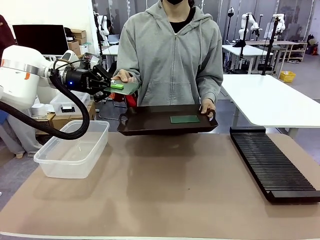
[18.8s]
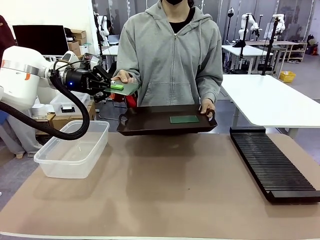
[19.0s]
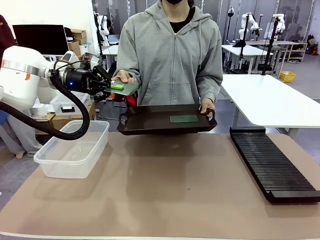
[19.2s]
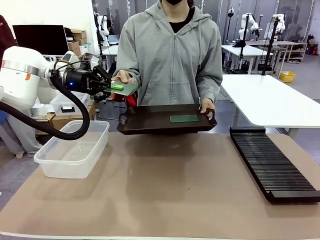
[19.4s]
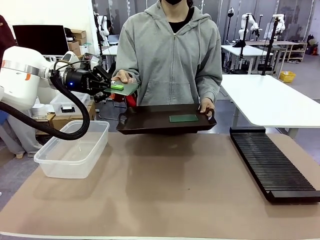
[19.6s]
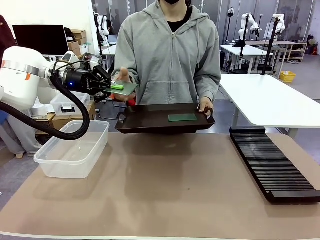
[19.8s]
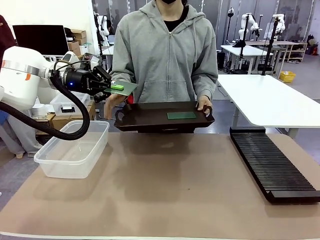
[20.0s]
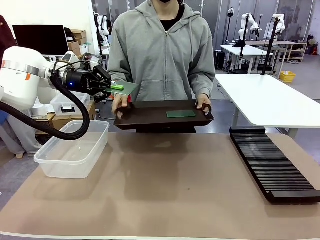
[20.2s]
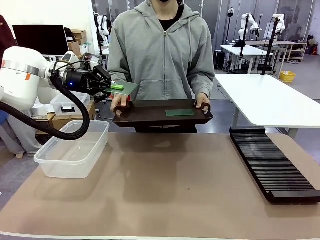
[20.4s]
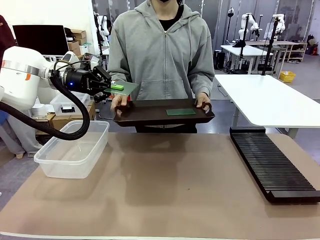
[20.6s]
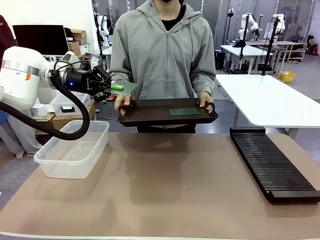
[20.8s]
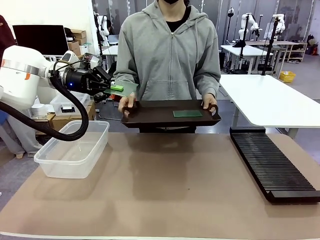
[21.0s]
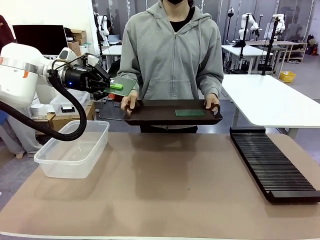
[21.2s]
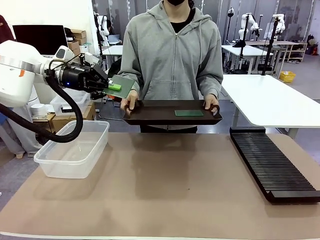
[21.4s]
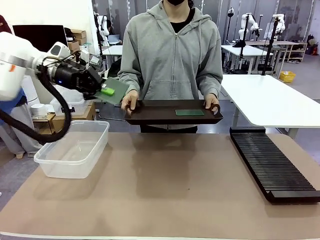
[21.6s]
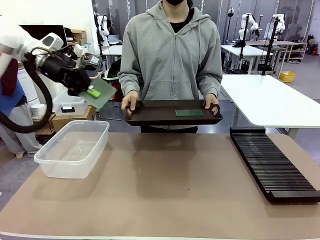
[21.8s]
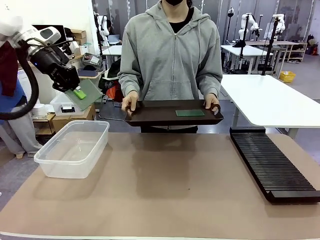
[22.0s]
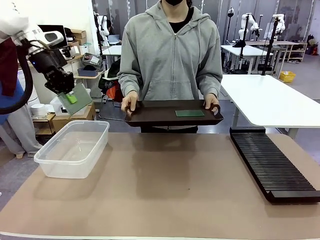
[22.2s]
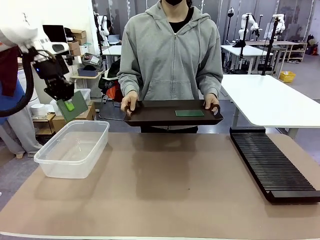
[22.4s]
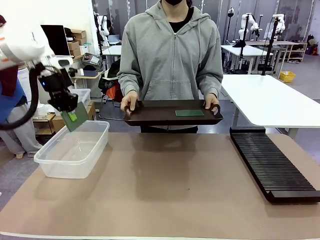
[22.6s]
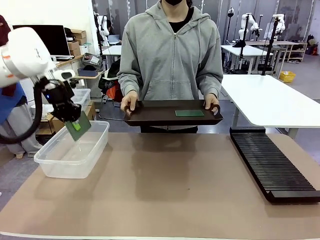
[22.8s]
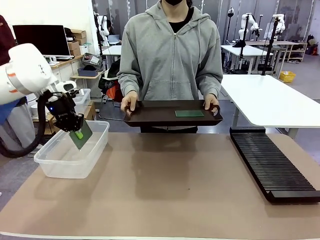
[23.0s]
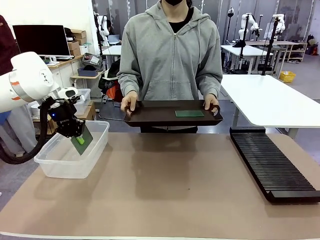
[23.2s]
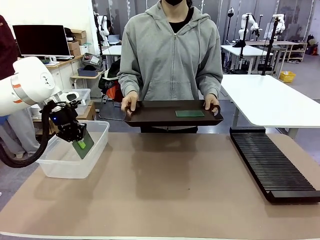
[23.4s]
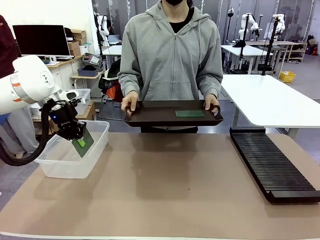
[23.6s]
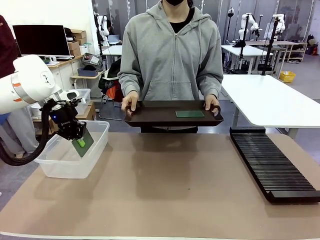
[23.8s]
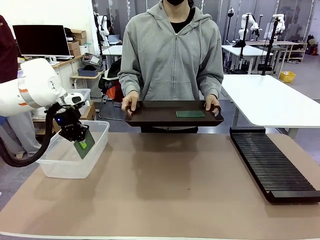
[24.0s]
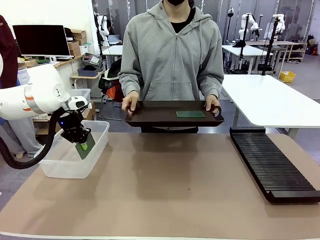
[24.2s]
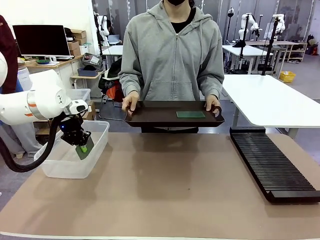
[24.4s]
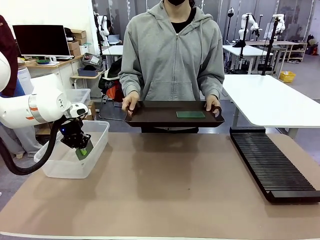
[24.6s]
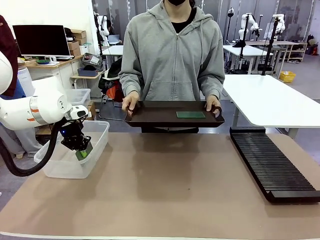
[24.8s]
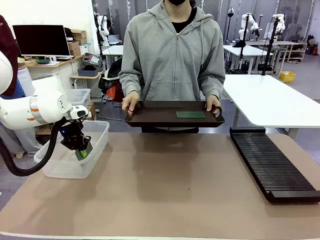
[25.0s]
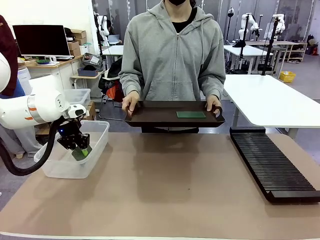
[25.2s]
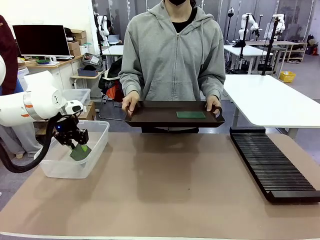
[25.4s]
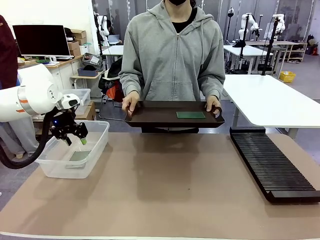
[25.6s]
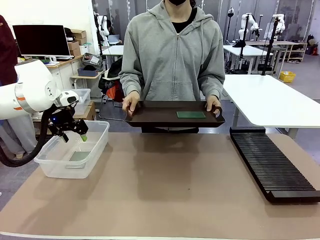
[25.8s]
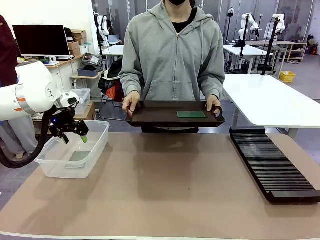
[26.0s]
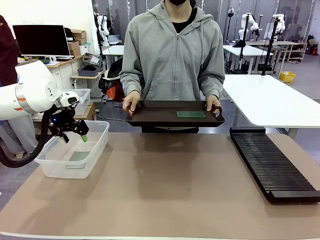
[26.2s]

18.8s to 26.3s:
Task: Sort PCBs into racks and boxes based on the side picked up.
Robot: If the short side of the Blank PCB is picked up, insert it into the PCB Rack ; if the long side is picked up, place it in the Organizing box.

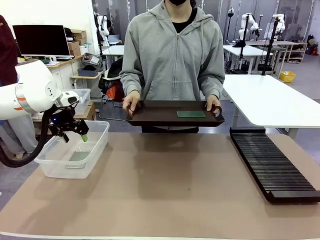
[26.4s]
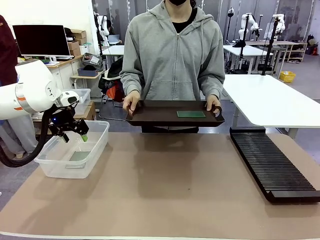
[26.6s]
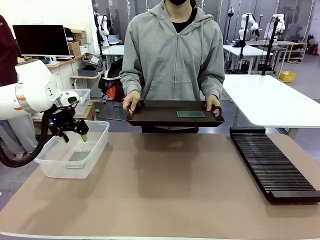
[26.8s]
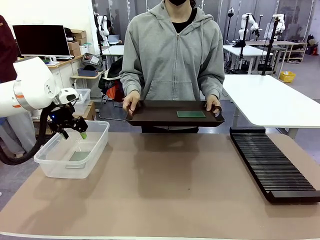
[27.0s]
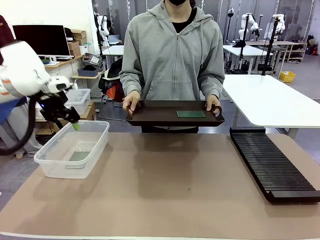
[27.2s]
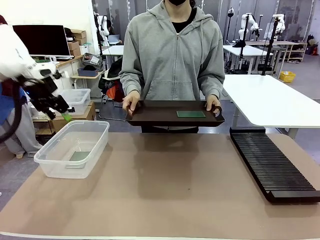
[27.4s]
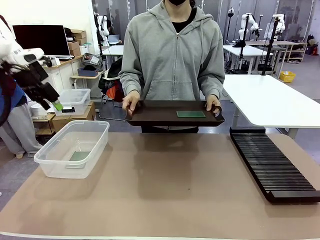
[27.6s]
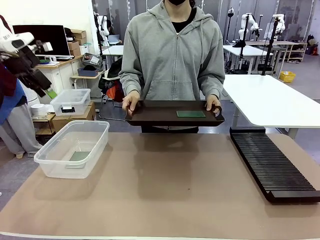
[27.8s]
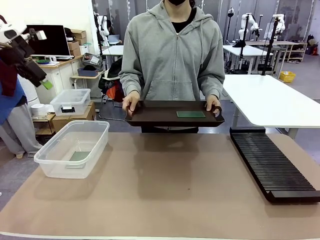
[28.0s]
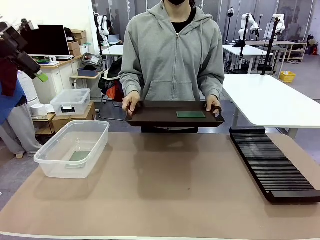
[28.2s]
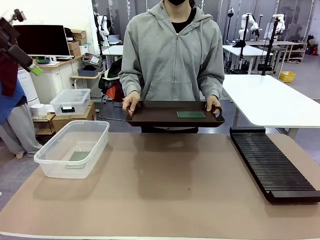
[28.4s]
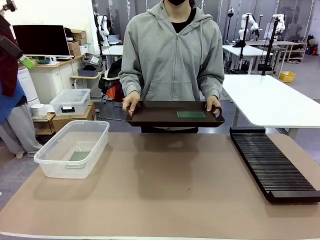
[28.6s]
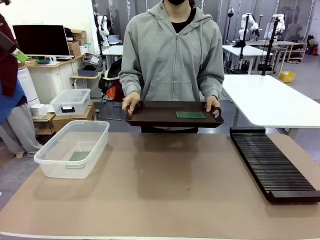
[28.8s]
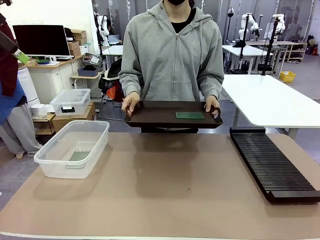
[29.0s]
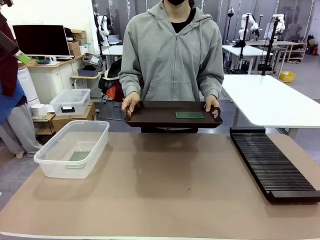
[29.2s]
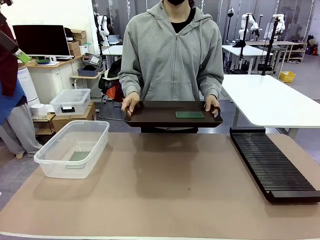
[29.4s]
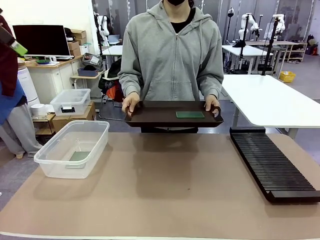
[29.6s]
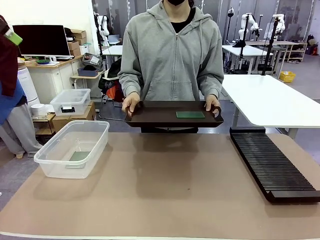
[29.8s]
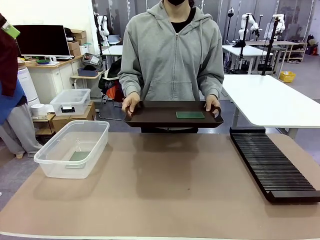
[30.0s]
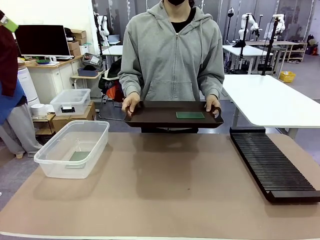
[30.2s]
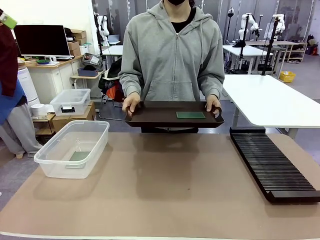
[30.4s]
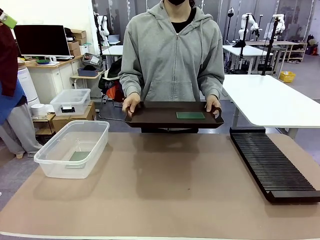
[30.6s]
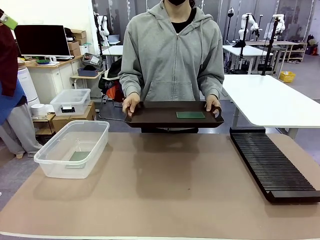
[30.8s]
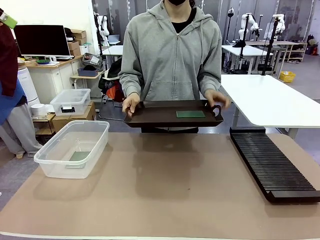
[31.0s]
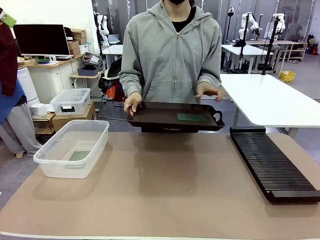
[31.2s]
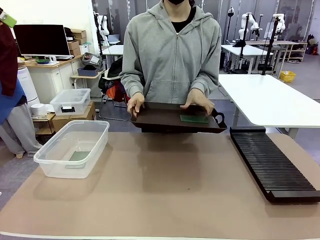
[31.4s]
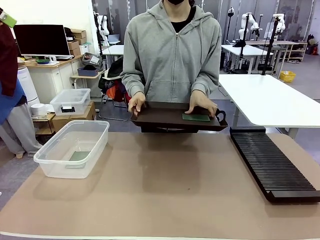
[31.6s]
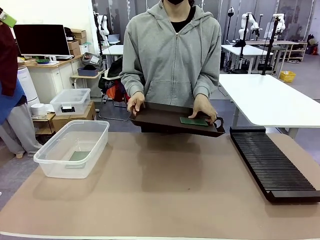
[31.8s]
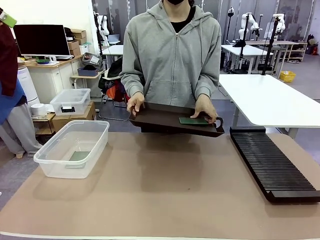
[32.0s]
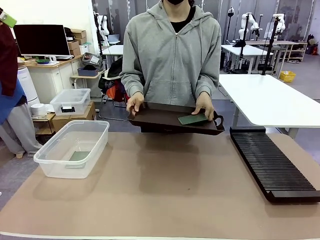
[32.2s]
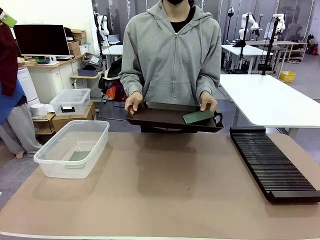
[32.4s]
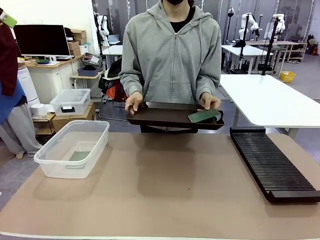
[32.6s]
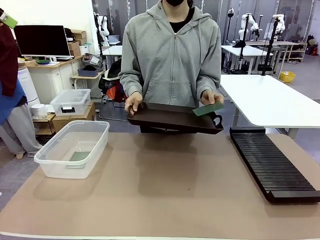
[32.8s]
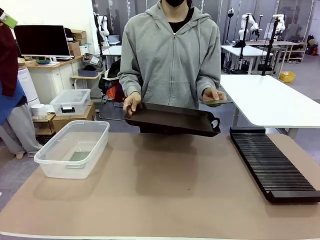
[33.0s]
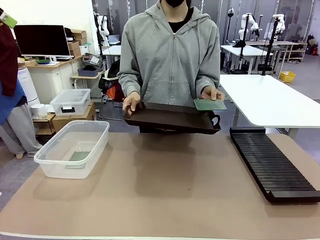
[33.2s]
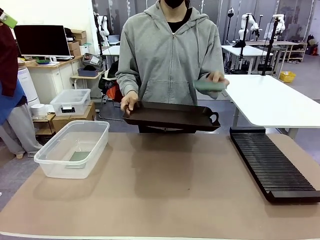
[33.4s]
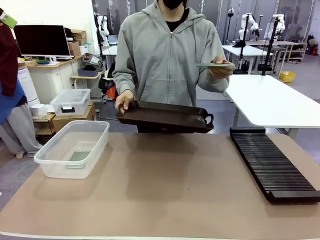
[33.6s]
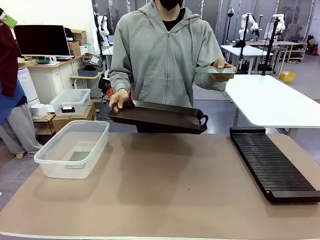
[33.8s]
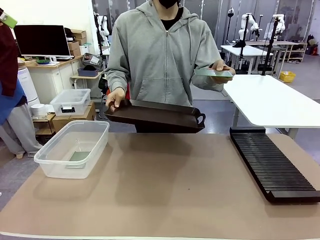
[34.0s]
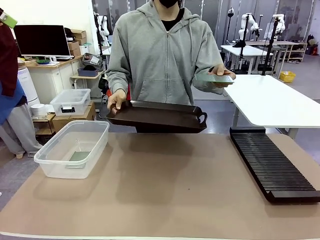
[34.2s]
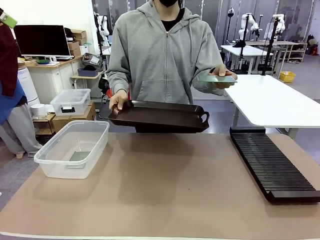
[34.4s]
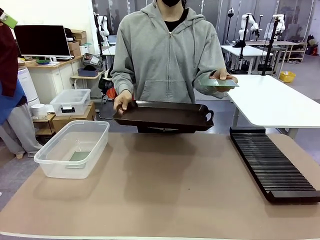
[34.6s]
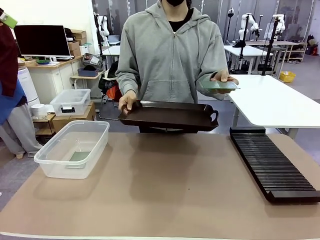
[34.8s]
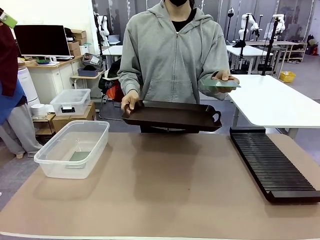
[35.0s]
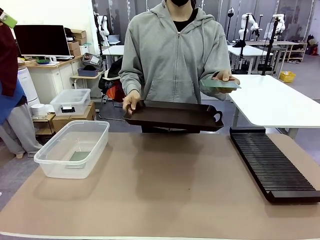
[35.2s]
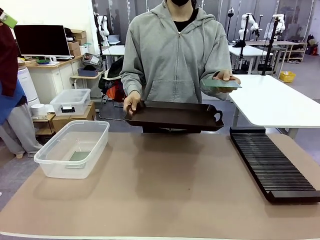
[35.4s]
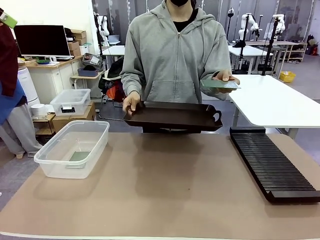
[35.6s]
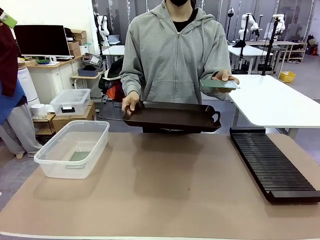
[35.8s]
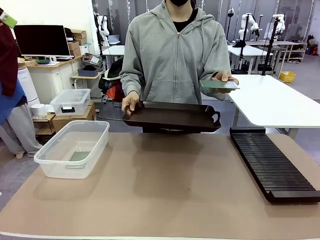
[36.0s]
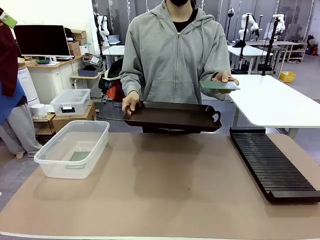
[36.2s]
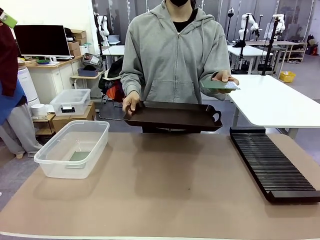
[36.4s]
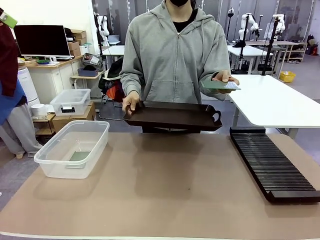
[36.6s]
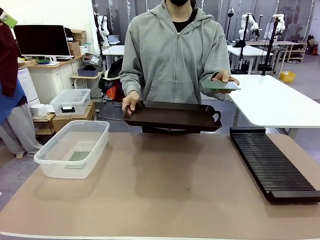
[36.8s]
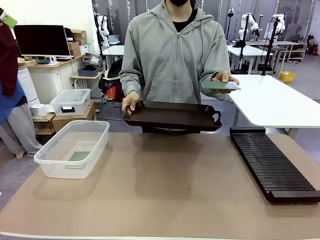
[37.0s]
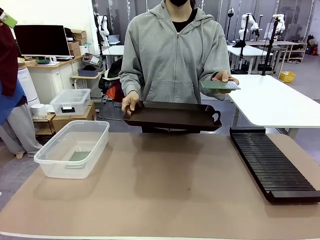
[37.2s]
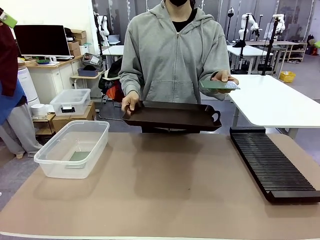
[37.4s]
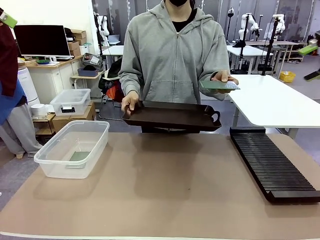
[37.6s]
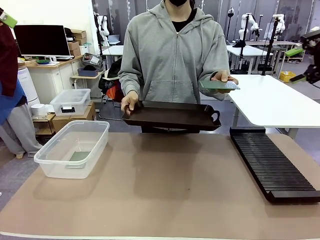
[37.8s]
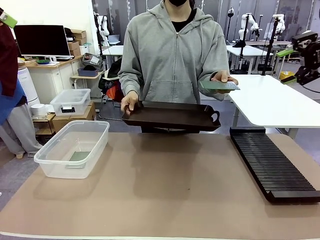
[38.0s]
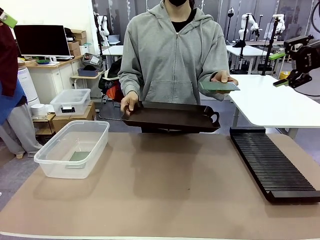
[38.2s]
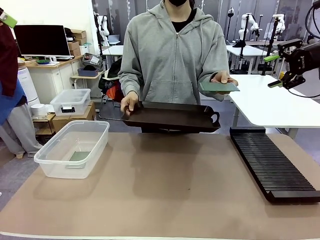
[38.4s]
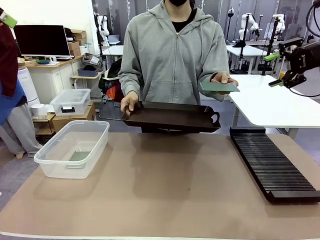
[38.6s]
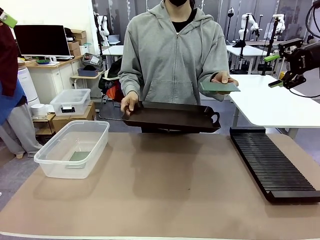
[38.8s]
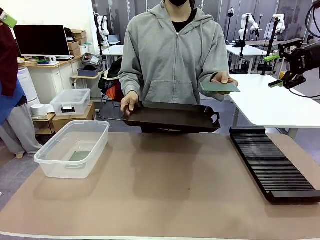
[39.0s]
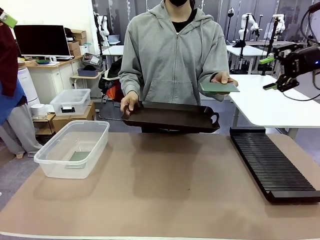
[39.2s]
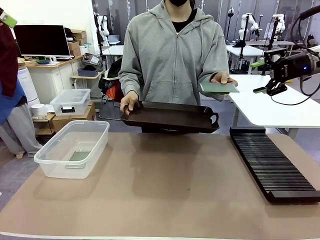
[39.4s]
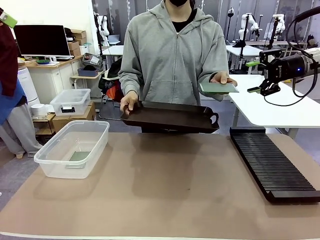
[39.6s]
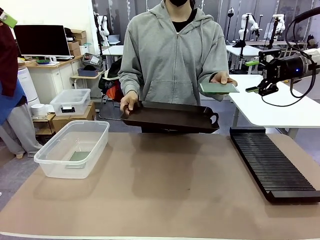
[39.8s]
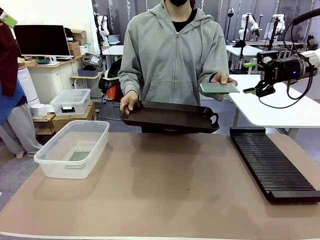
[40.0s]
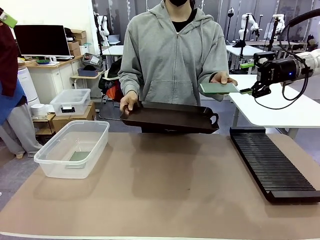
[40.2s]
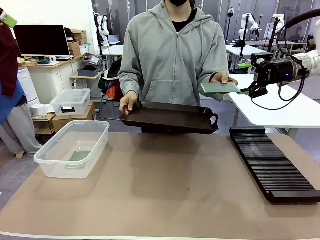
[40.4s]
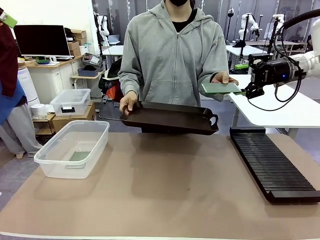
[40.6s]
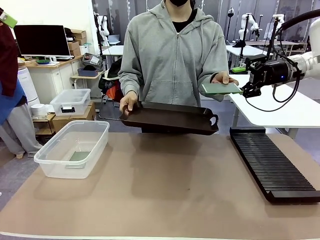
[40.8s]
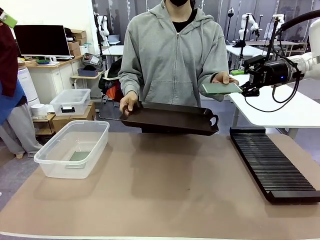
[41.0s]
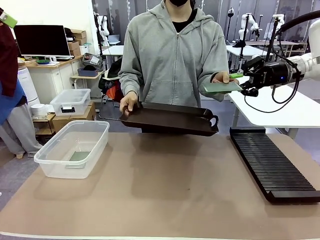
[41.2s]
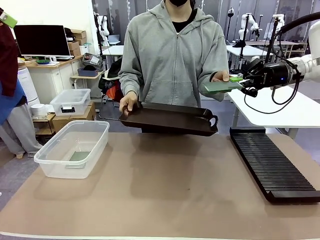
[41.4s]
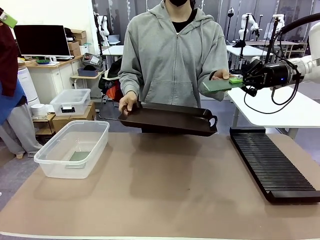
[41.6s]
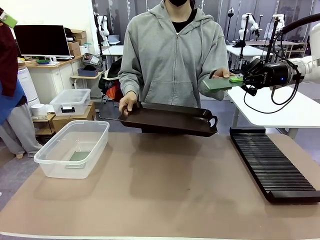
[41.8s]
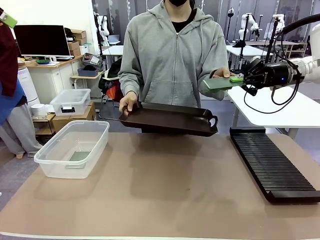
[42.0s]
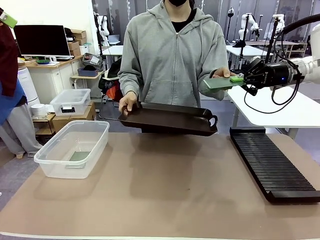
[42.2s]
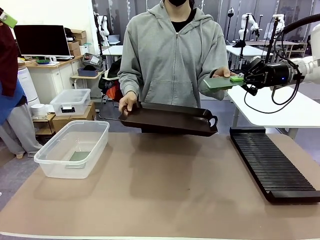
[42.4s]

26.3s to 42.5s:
Robot: Pick up the Blank PCB handed by the Human.
Person: Pick one PCB from the tray and present it to the robot.
